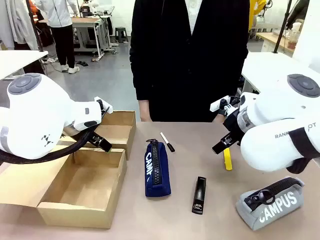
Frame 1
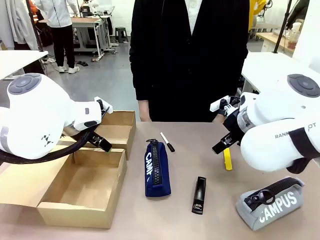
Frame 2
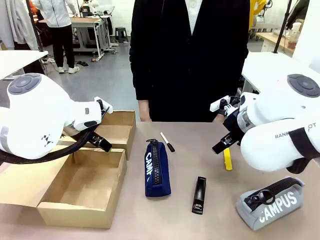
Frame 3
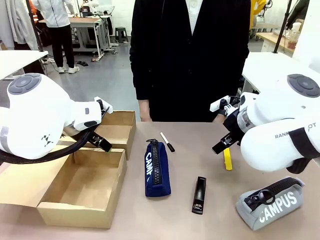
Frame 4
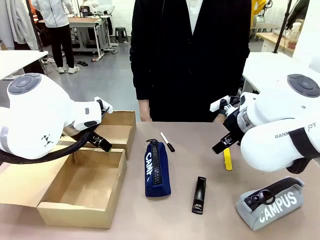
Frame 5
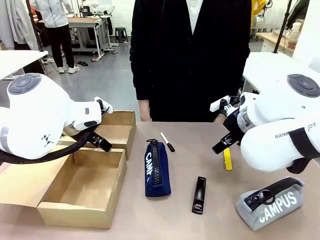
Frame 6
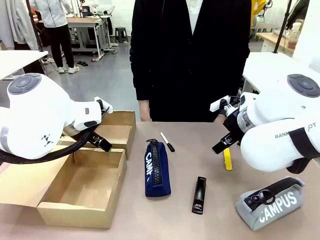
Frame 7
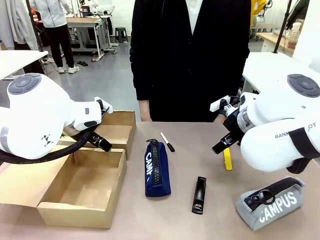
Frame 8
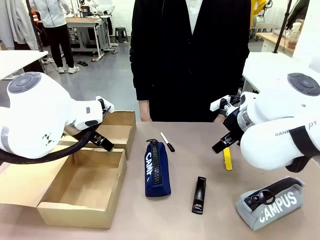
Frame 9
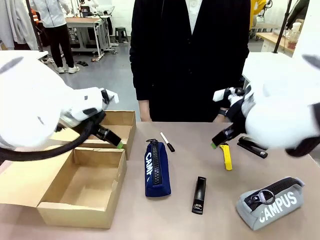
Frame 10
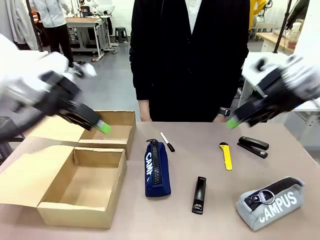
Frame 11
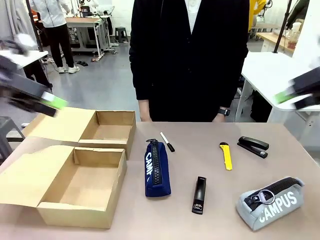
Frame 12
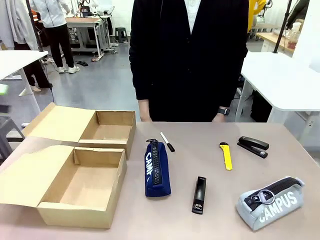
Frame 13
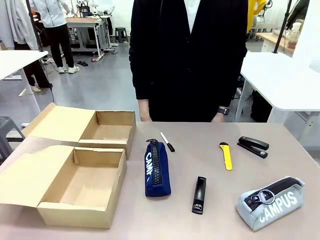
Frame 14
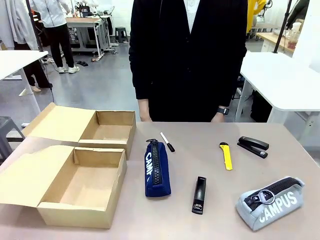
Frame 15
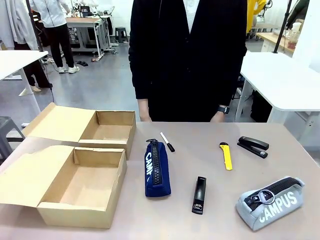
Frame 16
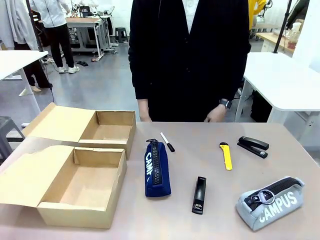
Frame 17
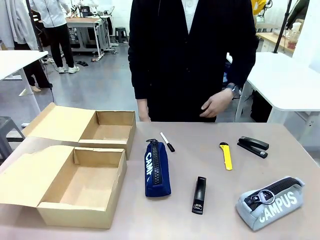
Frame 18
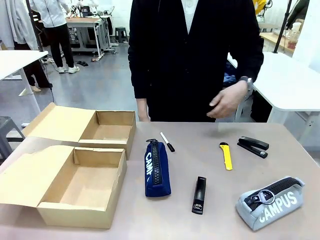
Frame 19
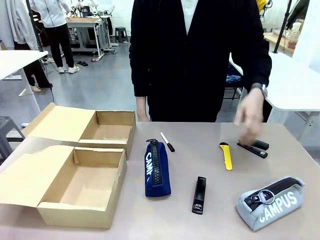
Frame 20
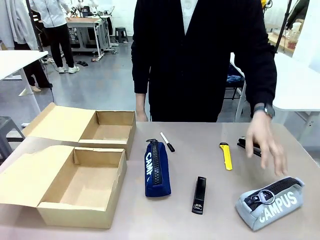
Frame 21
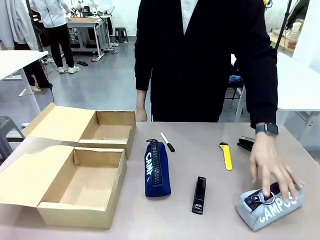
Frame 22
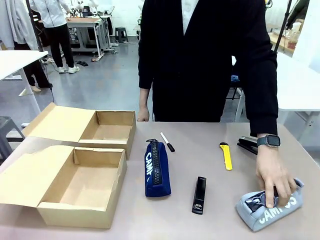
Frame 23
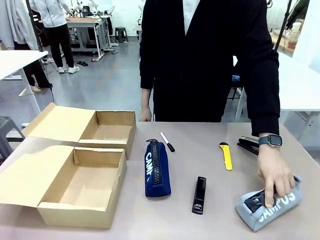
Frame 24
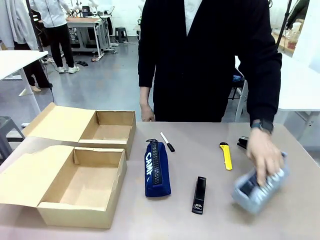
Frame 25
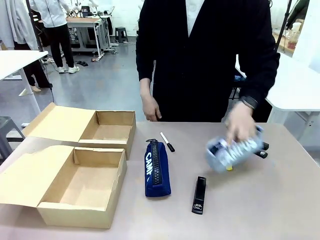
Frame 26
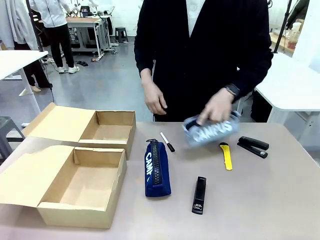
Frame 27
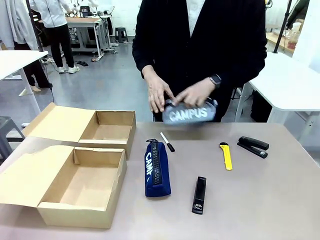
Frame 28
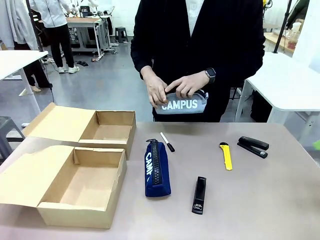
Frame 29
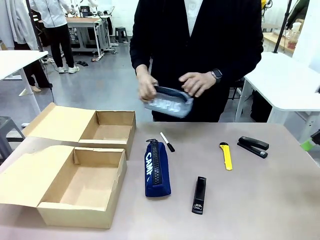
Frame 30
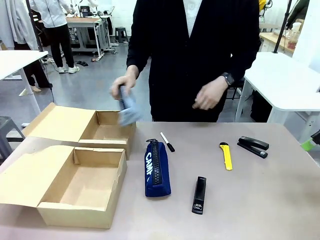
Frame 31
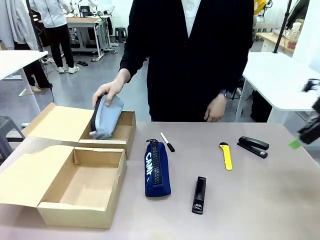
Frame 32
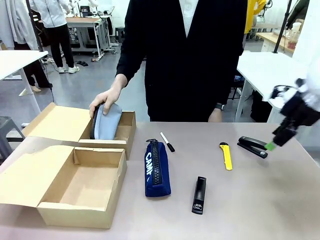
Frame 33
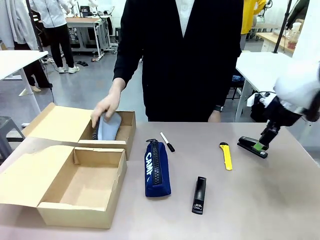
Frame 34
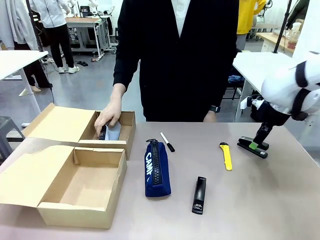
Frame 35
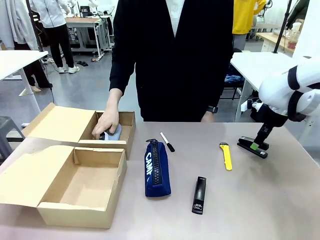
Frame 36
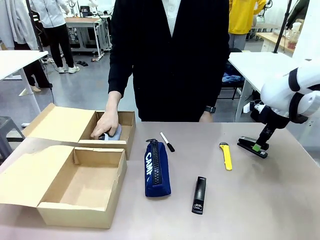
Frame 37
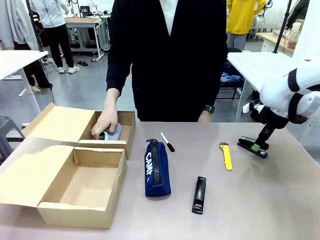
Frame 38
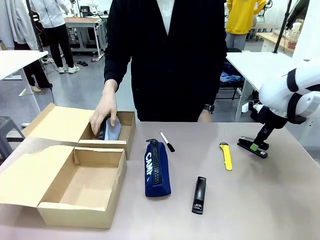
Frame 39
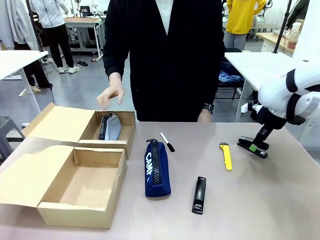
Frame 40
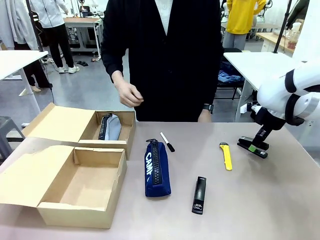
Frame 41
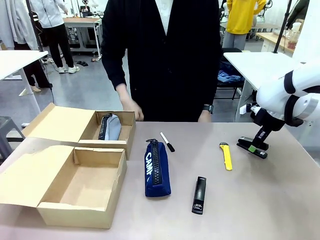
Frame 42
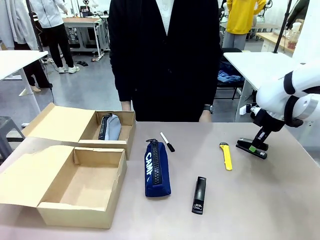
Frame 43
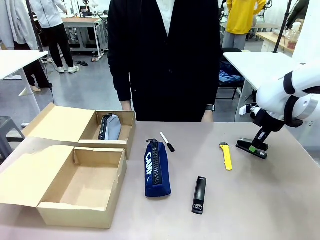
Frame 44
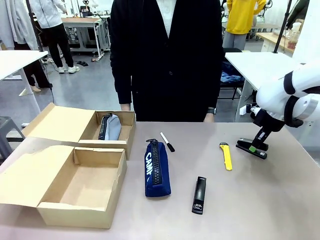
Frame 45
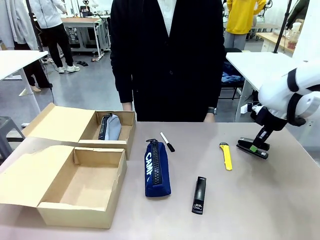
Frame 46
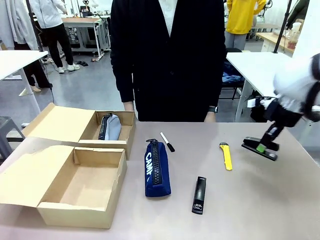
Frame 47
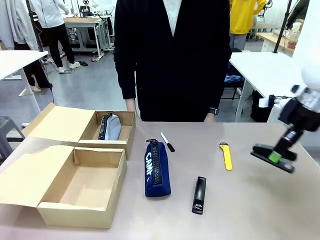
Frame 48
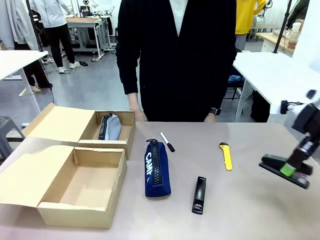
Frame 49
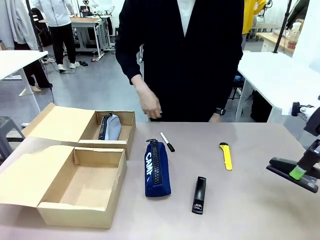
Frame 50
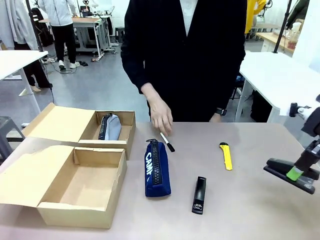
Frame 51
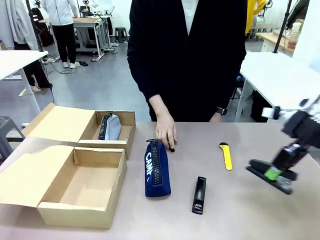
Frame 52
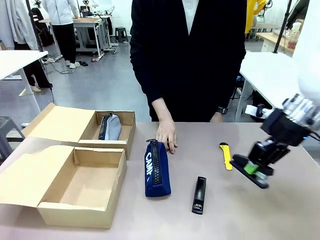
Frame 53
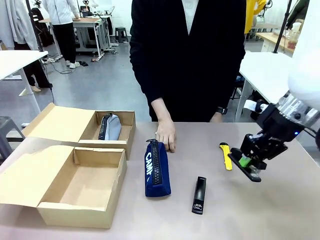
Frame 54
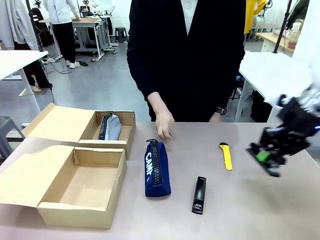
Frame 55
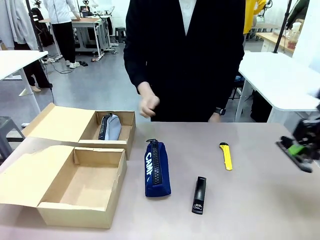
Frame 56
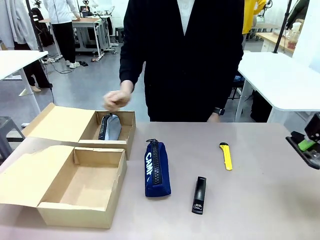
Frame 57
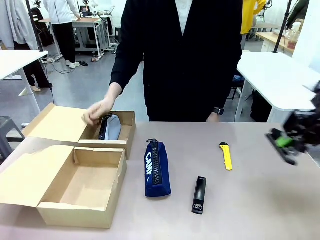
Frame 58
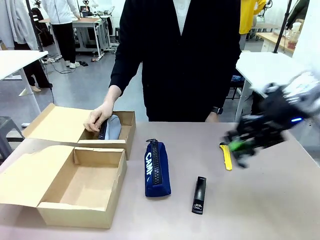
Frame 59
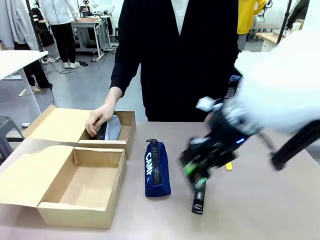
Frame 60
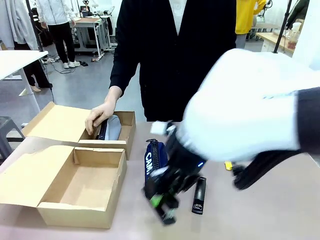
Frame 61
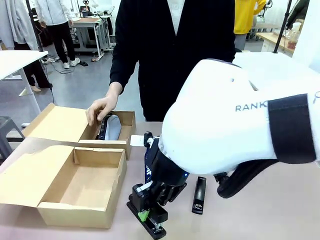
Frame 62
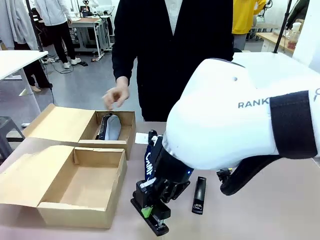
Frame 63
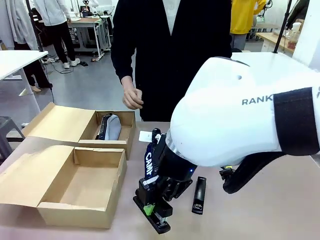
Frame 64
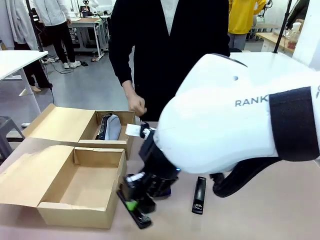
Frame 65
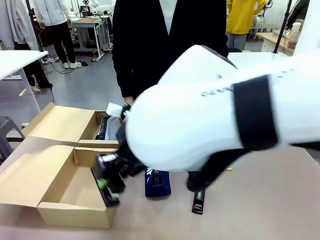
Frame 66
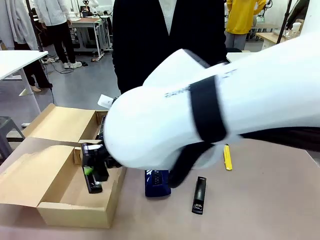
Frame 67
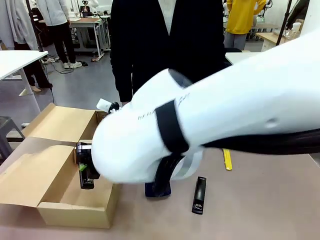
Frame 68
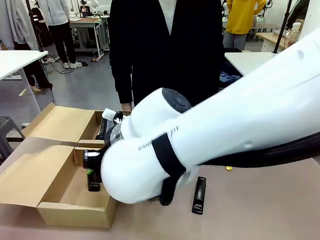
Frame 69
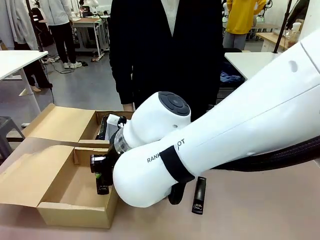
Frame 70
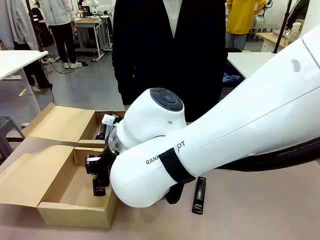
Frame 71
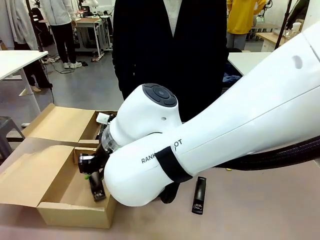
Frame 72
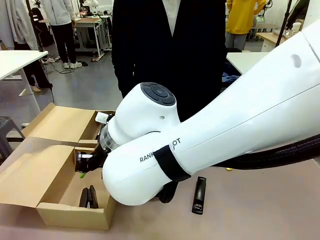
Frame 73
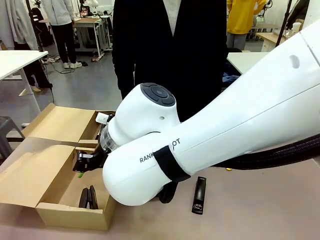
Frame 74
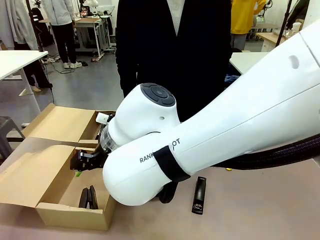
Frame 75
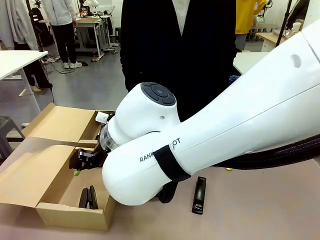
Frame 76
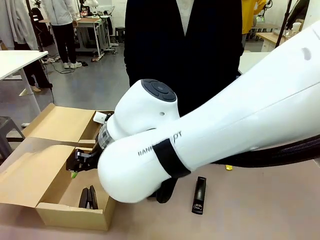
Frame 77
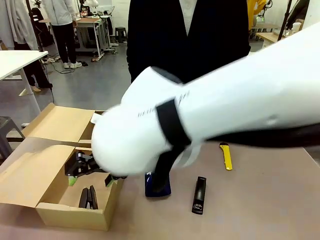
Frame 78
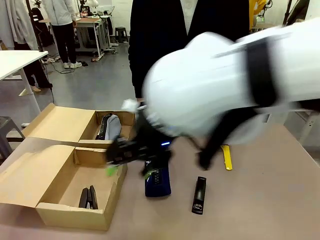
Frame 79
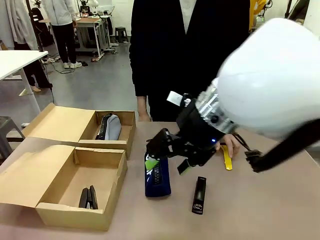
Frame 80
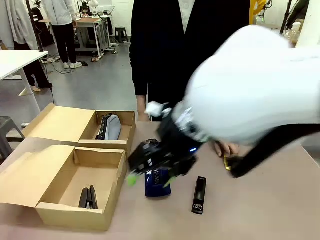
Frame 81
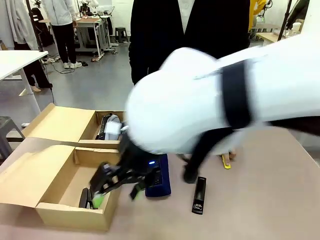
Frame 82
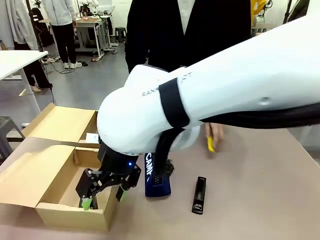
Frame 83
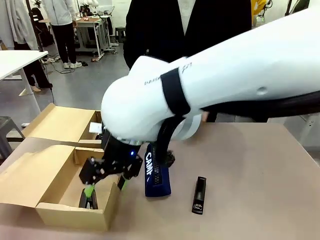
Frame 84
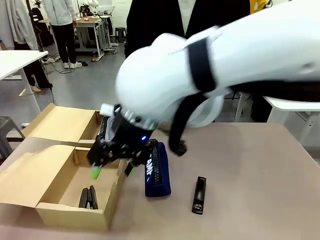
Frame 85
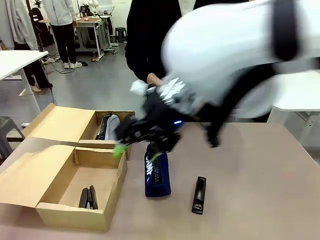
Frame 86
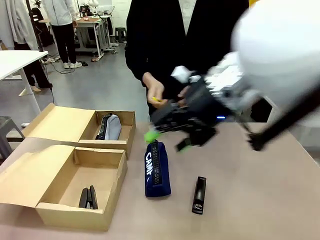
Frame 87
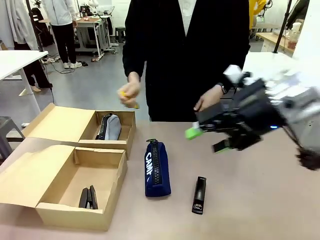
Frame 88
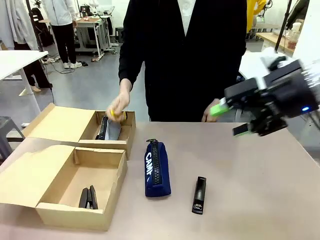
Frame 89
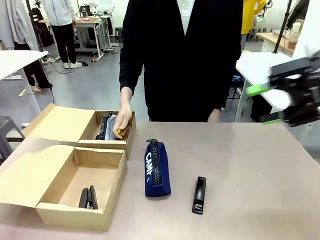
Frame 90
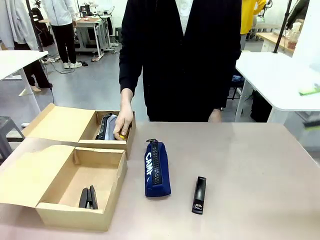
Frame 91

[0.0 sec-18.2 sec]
Task: Place items inside the box.
Robot: Pick up a Pencil pouch or Stapler and place it inside the Mailer Box closest to the robot.
Person: Pick up an object on the table and put it in the box.
